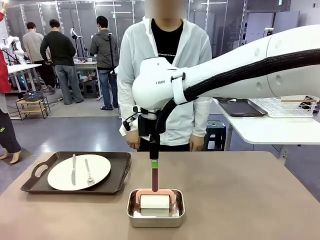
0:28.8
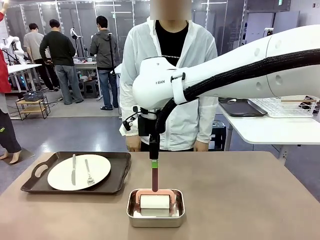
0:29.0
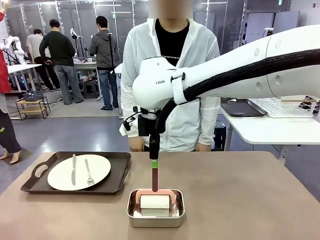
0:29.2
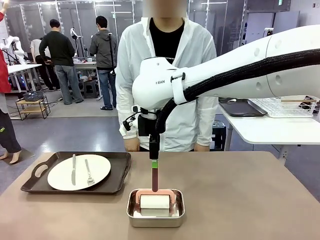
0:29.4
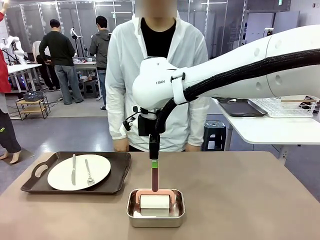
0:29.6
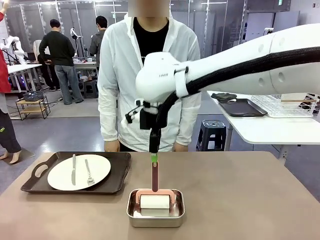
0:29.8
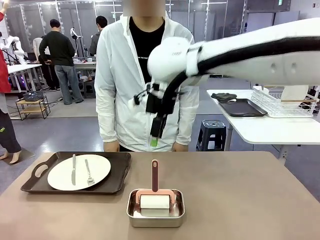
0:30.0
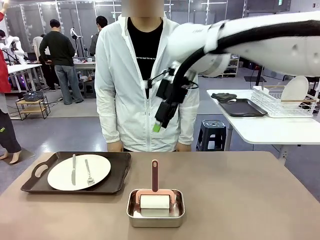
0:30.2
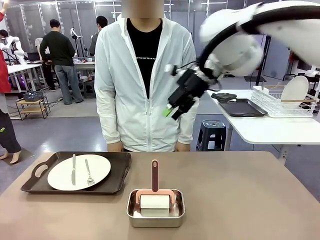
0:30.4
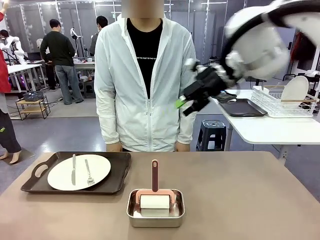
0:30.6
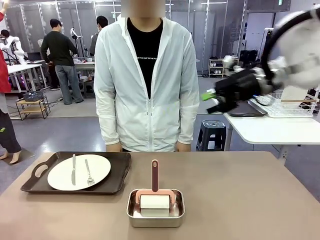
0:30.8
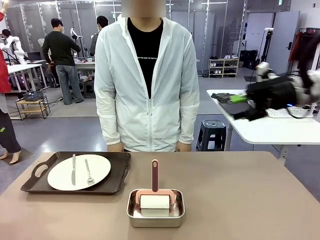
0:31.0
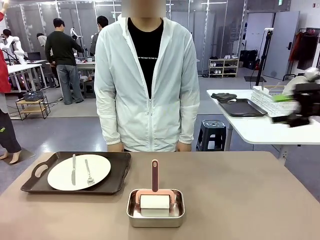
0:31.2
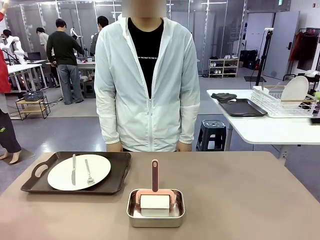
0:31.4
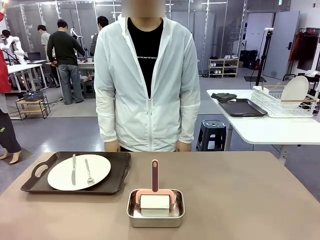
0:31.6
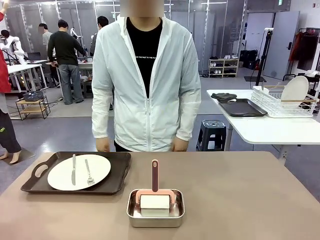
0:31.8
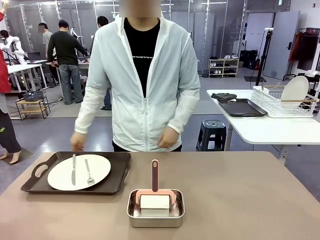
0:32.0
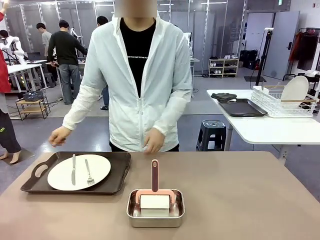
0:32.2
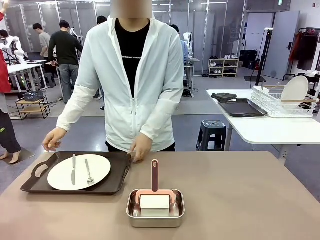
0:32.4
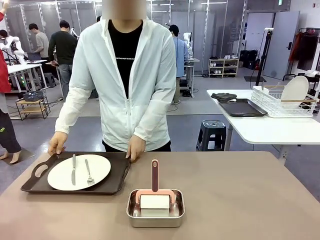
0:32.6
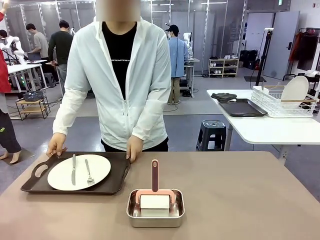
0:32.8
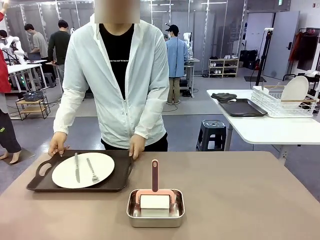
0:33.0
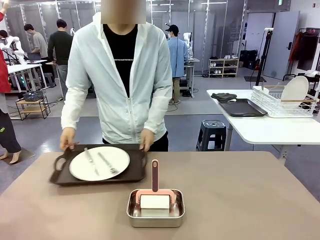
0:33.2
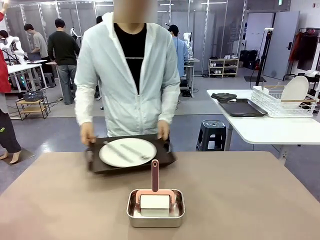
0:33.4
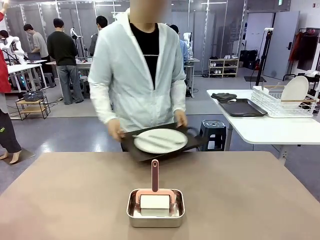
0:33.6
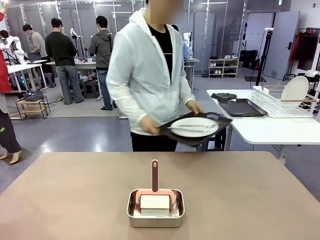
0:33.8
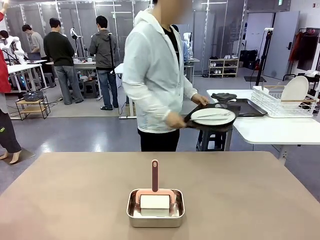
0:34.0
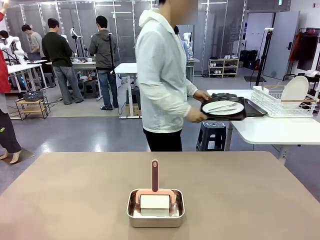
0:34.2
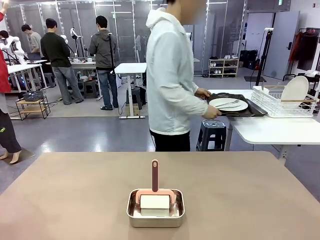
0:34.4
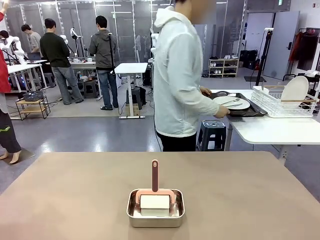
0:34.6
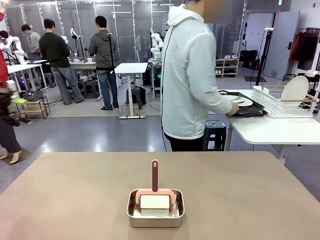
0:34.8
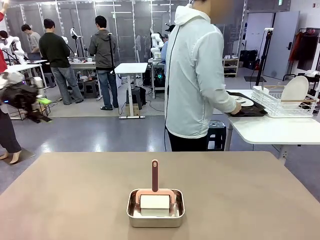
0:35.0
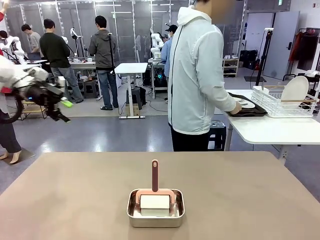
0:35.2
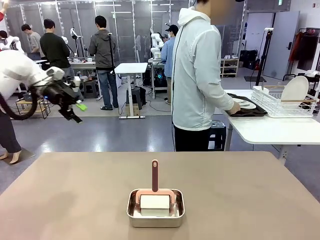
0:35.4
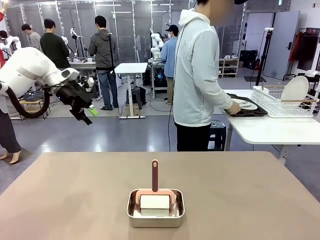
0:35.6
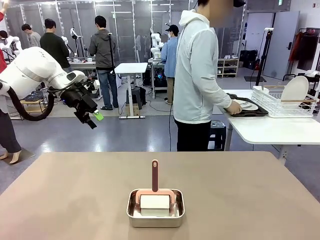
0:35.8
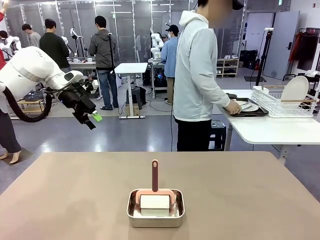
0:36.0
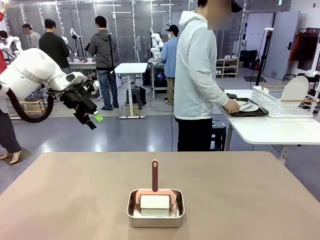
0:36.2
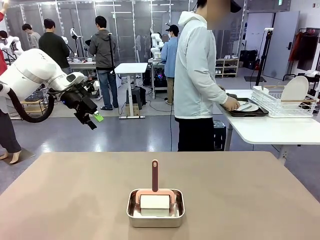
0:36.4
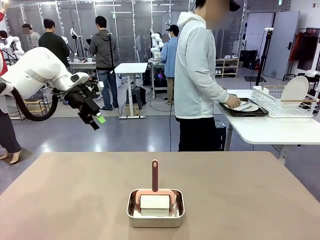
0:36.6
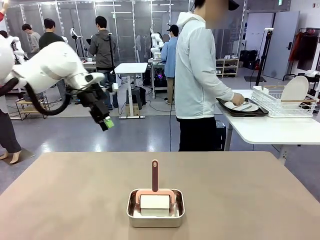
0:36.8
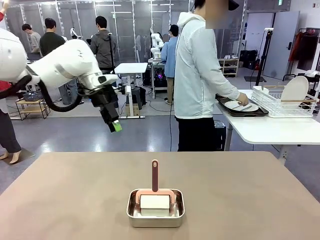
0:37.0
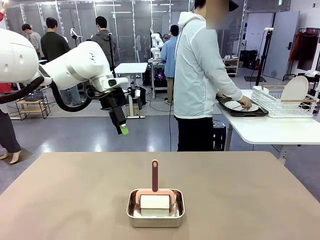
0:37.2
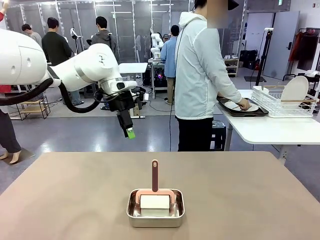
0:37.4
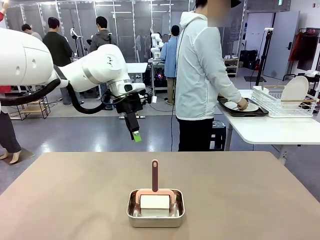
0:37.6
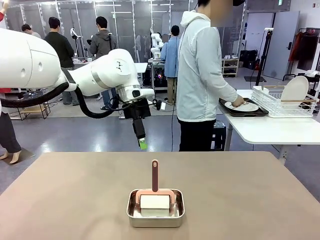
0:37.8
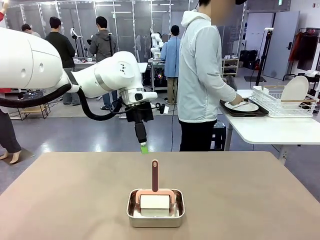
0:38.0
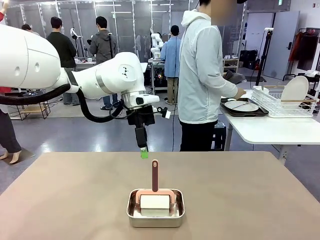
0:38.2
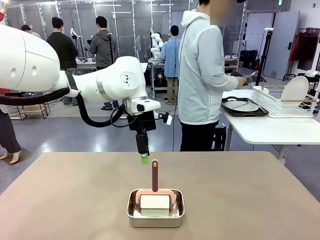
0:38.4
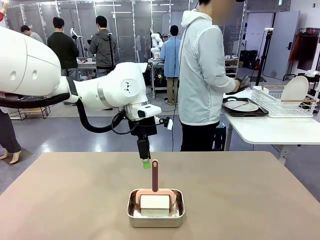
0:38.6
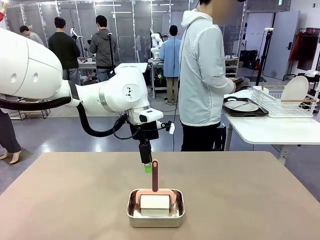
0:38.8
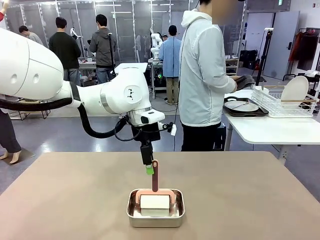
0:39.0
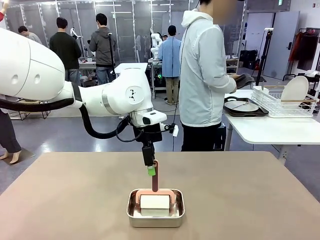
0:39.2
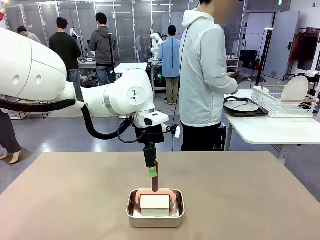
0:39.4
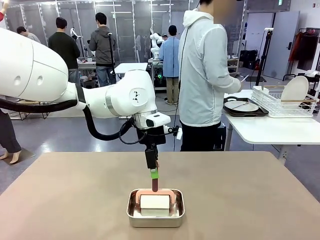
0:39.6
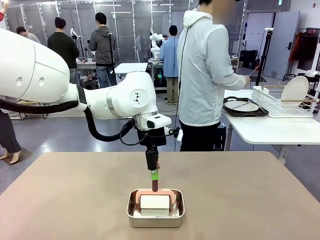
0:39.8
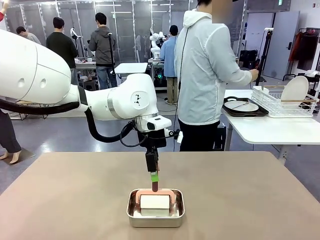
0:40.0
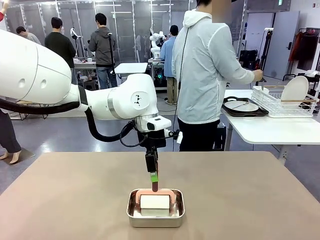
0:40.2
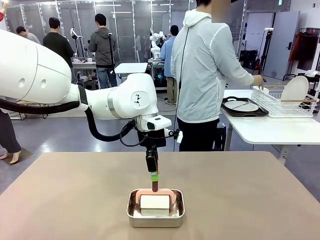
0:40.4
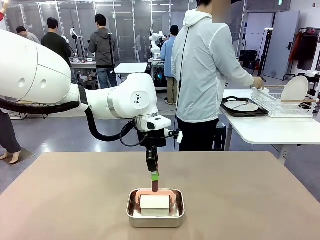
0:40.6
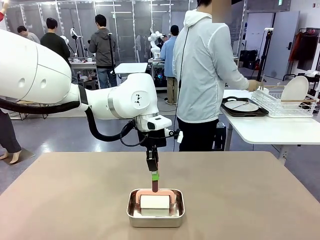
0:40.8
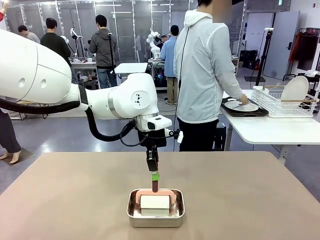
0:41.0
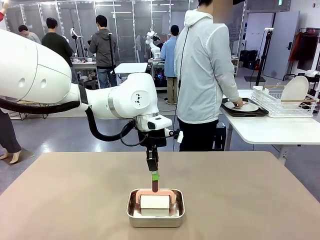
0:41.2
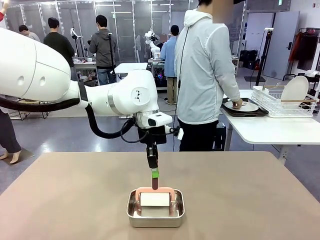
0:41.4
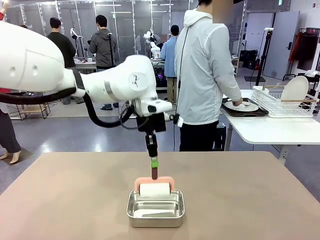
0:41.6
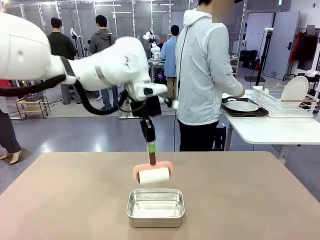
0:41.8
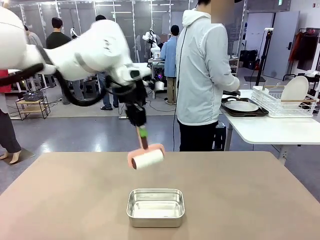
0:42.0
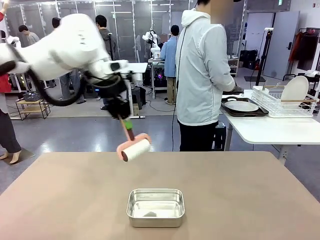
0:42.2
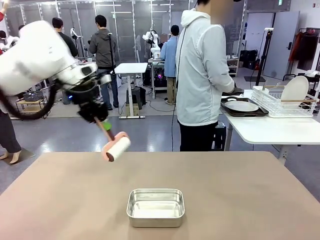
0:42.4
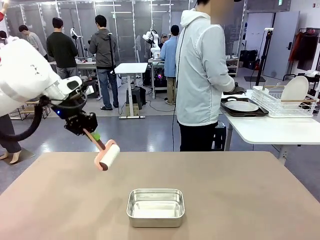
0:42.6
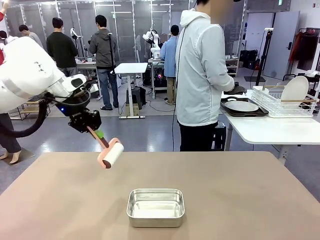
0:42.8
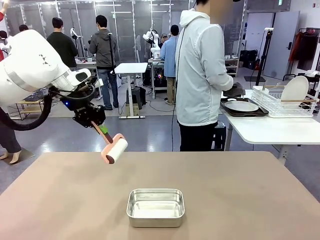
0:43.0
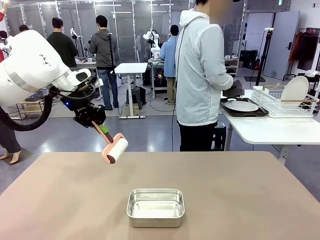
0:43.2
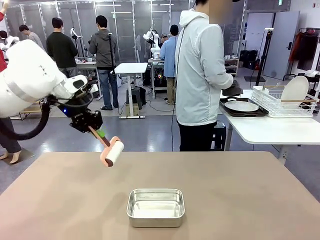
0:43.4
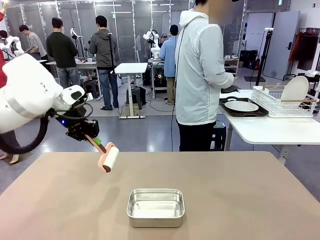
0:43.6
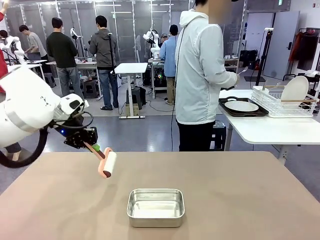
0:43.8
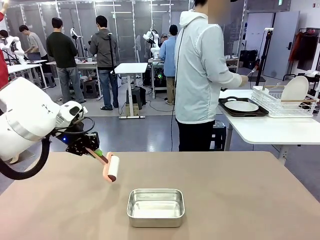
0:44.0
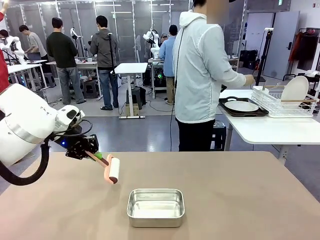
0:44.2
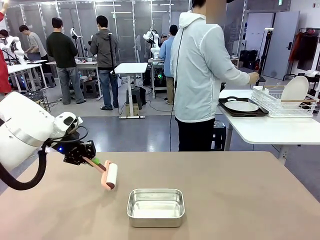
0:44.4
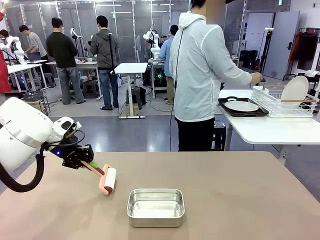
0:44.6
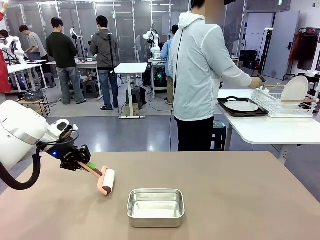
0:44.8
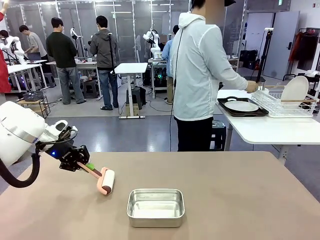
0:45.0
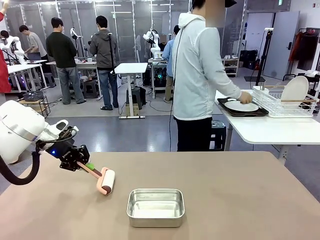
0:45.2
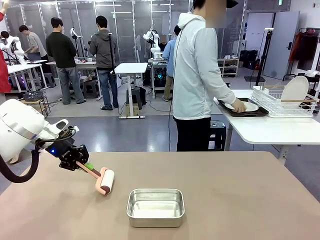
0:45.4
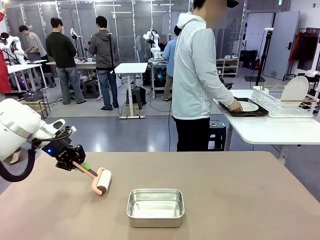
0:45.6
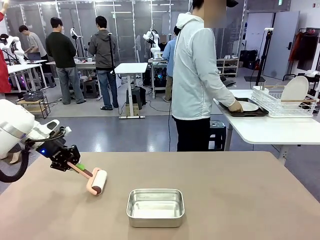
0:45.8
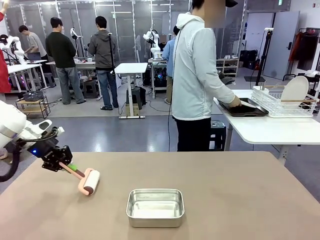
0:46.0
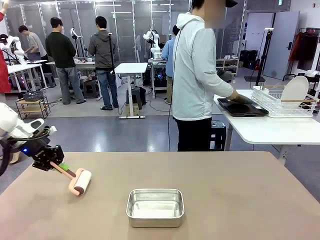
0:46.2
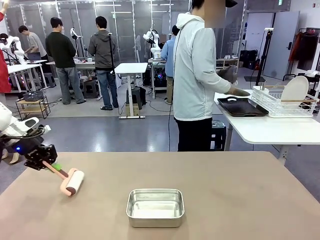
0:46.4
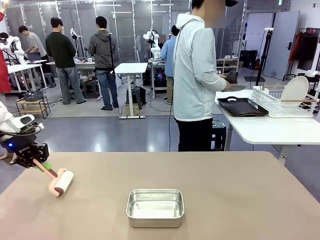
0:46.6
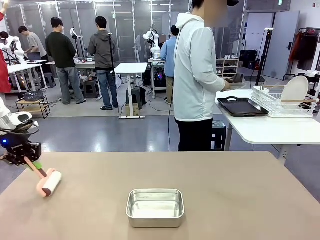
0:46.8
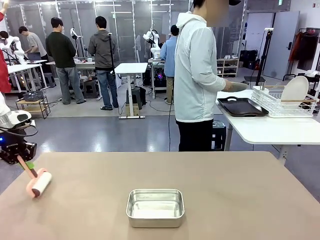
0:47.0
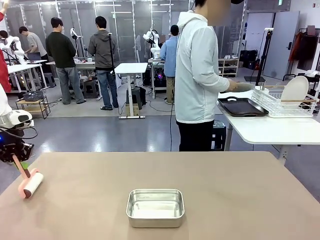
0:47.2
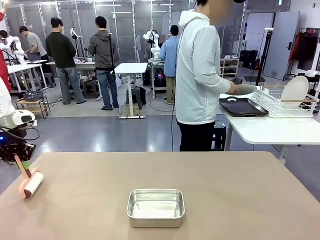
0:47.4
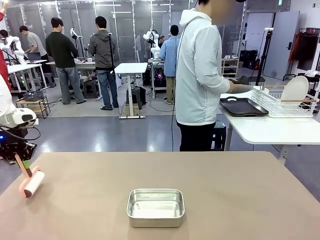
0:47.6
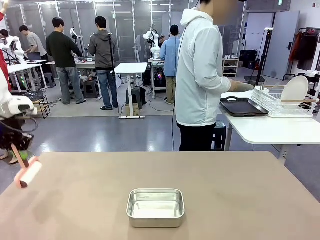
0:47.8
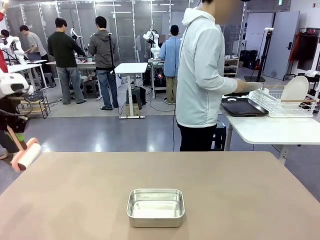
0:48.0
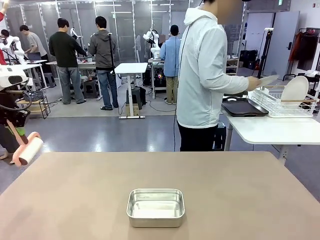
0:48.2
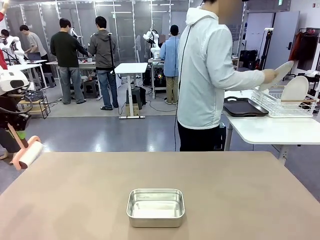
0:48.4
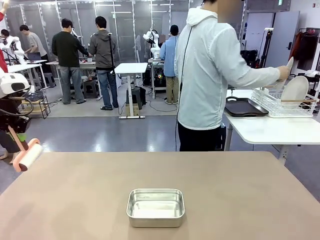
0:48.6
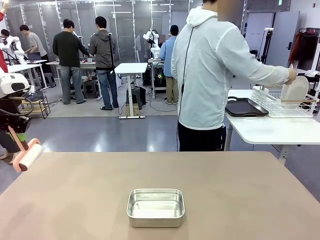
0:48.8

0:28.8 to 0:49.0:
Robot: When the right (or left) Handle tray is removed, use the right hand (or left hand) to clean the right (or left) side of the table with the Lint Roller.
Person: Pick up the left (or right) Handle tray and place it on the Handle tray.

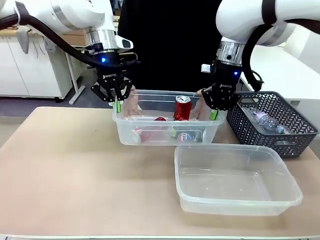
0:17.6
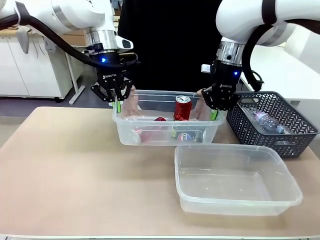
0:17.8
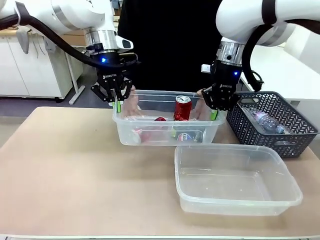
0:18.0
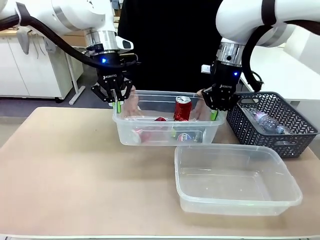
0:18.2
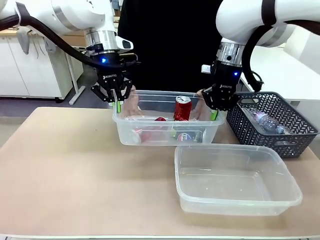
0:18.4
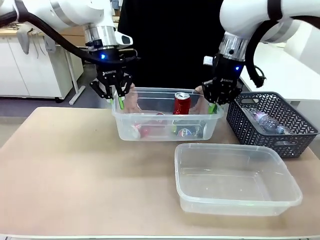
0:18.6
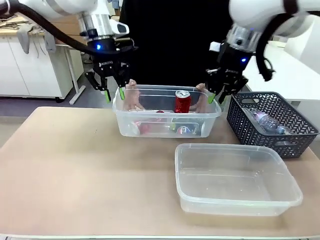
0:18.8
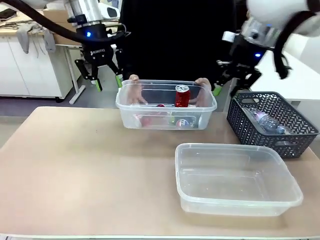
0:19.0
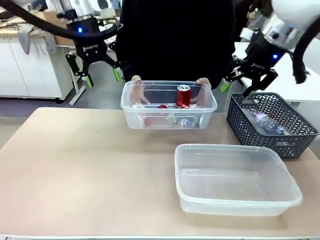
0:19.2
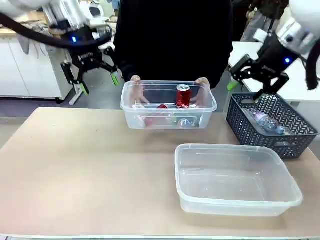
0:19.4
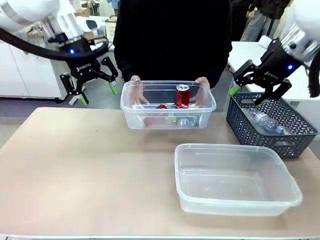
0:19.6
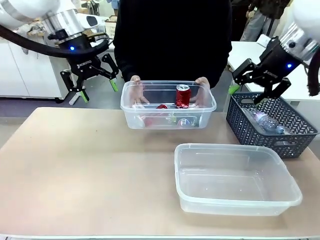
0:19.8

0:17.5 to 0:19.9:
Robot: Release the Organizing box you were holding.
